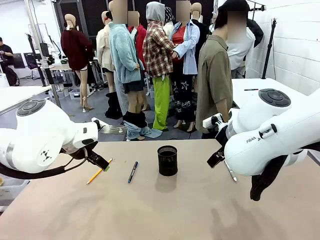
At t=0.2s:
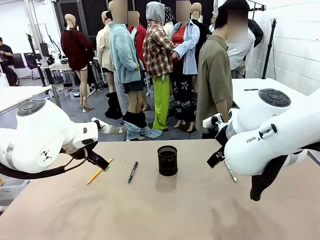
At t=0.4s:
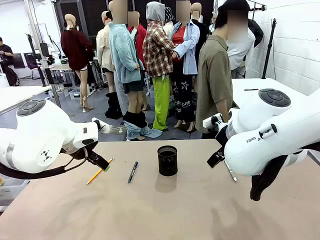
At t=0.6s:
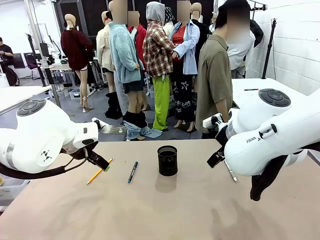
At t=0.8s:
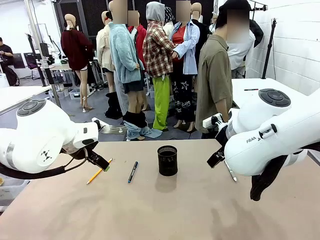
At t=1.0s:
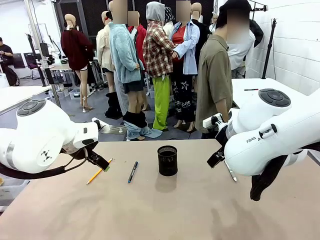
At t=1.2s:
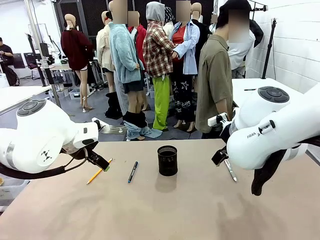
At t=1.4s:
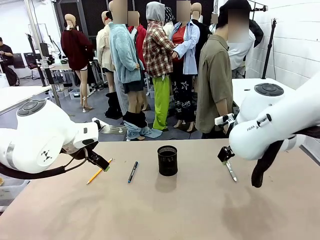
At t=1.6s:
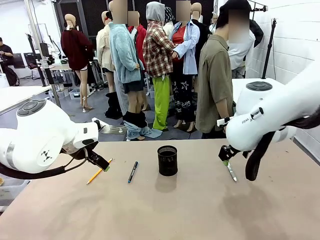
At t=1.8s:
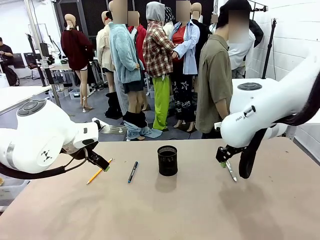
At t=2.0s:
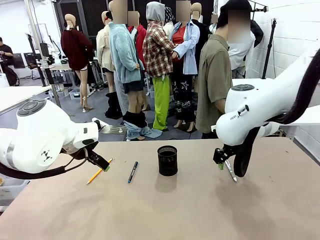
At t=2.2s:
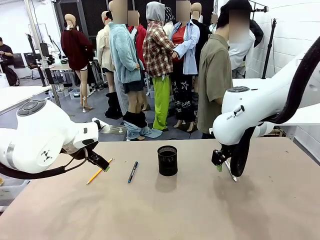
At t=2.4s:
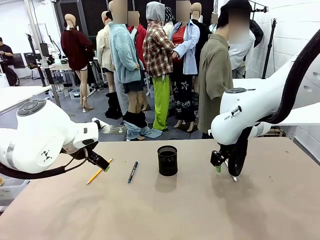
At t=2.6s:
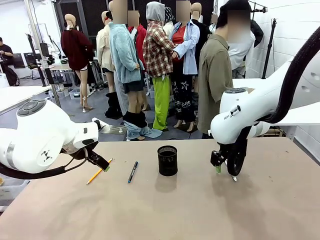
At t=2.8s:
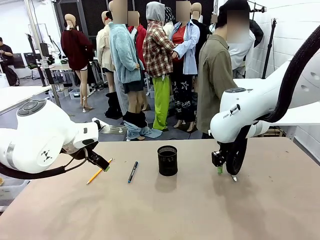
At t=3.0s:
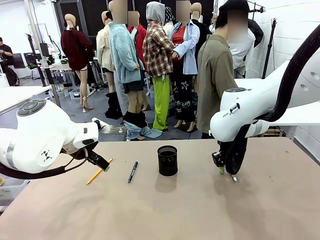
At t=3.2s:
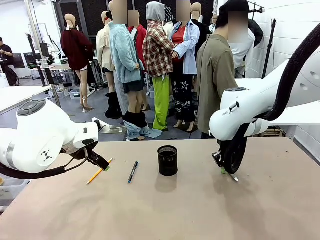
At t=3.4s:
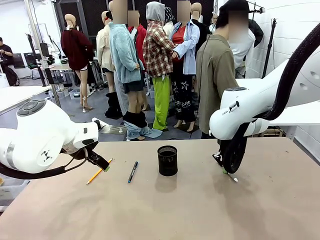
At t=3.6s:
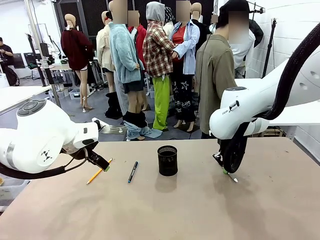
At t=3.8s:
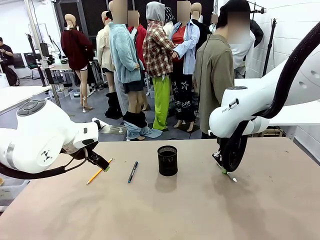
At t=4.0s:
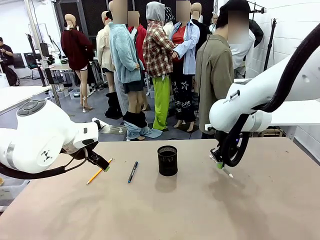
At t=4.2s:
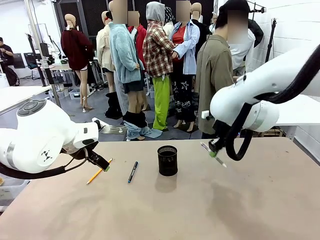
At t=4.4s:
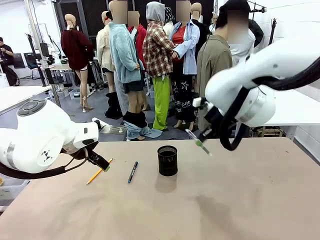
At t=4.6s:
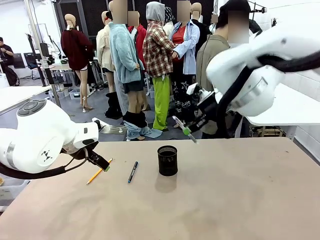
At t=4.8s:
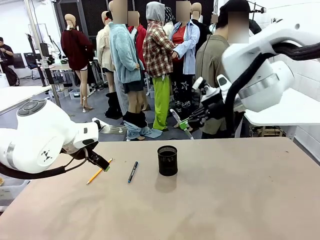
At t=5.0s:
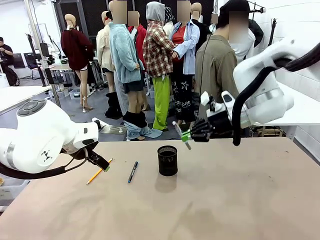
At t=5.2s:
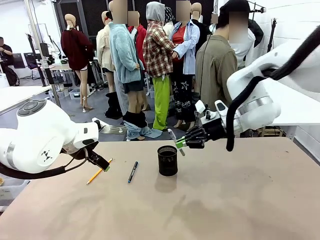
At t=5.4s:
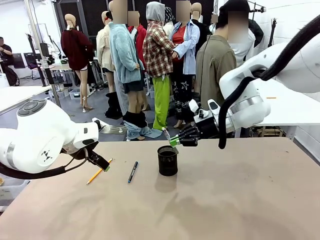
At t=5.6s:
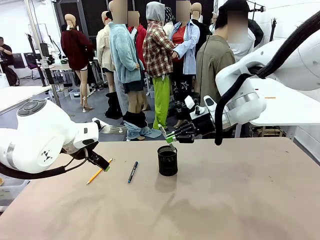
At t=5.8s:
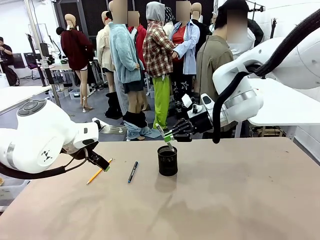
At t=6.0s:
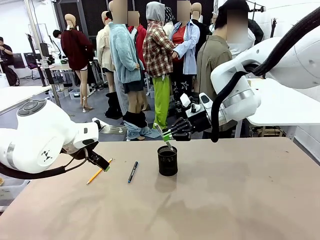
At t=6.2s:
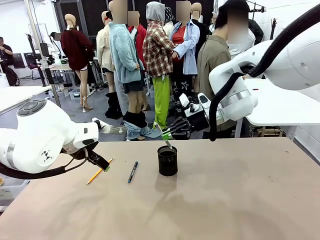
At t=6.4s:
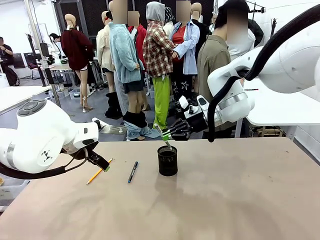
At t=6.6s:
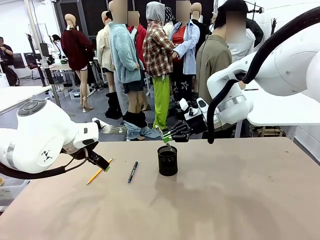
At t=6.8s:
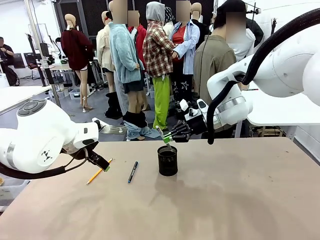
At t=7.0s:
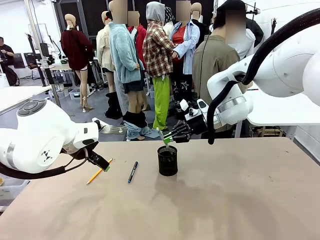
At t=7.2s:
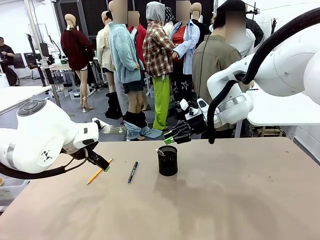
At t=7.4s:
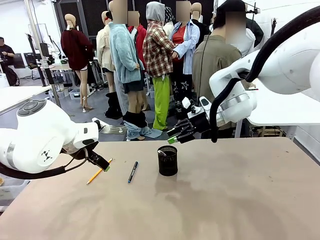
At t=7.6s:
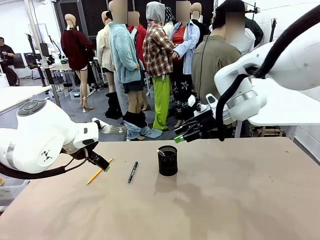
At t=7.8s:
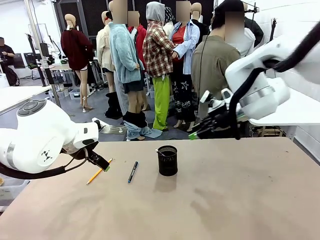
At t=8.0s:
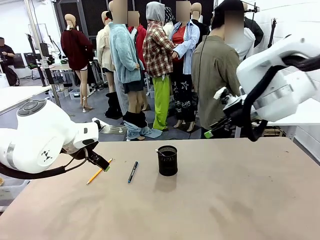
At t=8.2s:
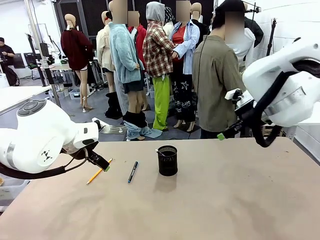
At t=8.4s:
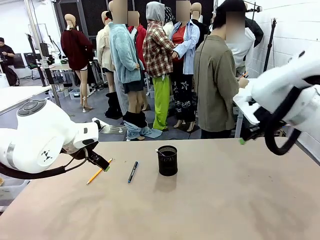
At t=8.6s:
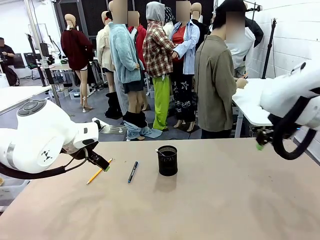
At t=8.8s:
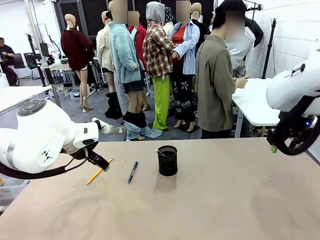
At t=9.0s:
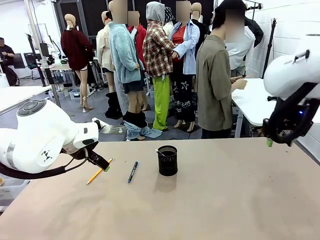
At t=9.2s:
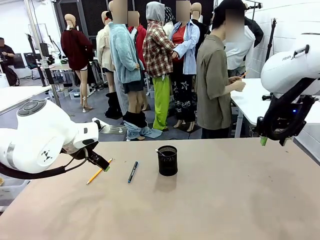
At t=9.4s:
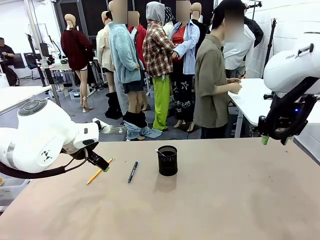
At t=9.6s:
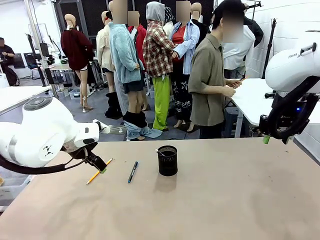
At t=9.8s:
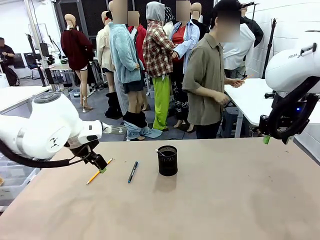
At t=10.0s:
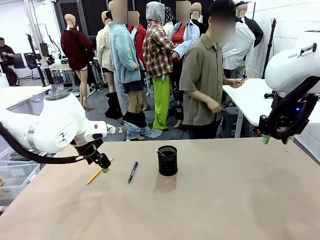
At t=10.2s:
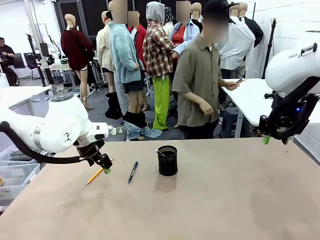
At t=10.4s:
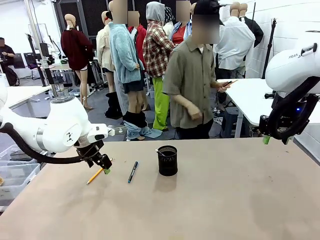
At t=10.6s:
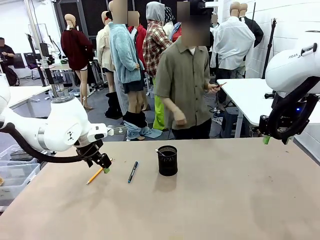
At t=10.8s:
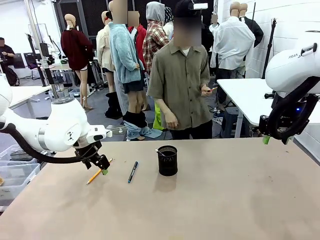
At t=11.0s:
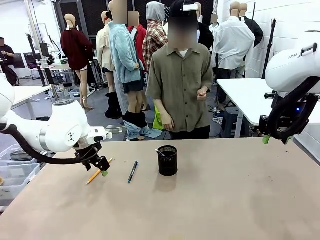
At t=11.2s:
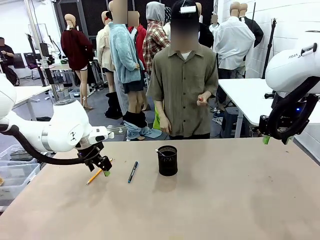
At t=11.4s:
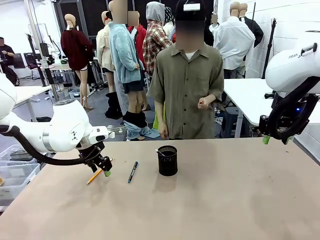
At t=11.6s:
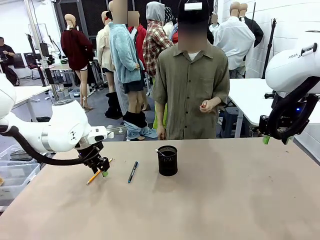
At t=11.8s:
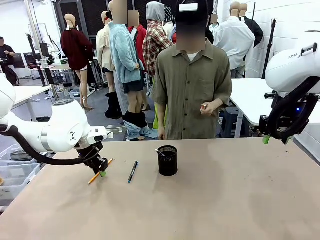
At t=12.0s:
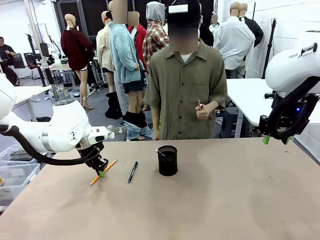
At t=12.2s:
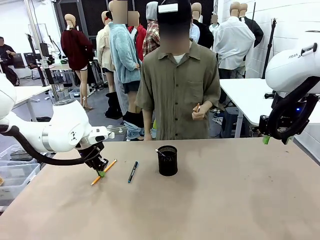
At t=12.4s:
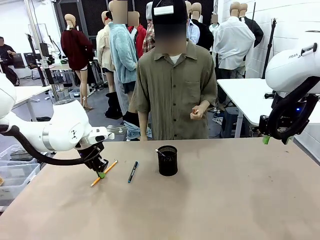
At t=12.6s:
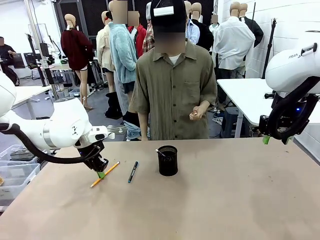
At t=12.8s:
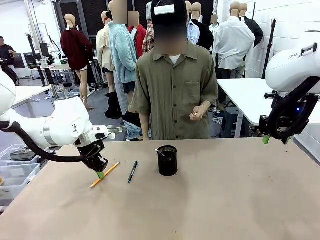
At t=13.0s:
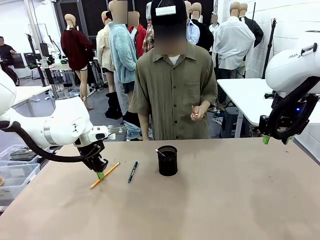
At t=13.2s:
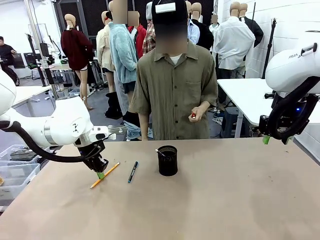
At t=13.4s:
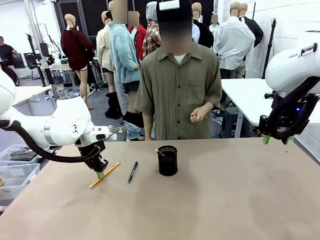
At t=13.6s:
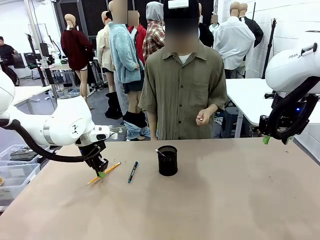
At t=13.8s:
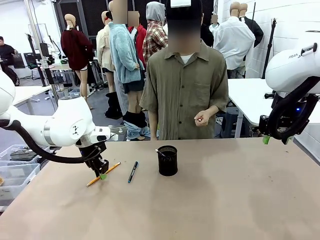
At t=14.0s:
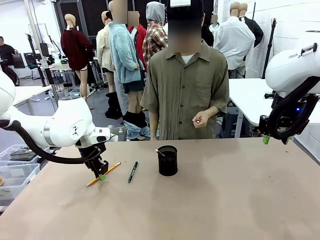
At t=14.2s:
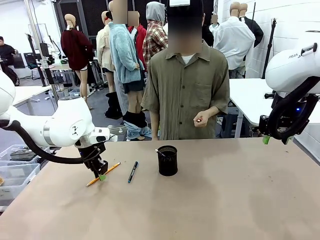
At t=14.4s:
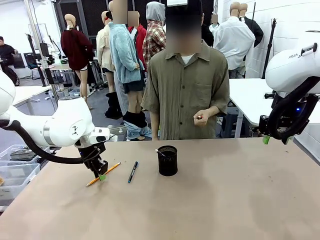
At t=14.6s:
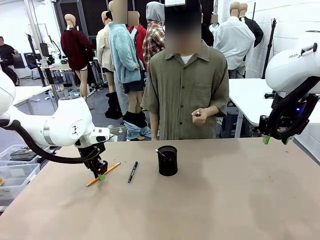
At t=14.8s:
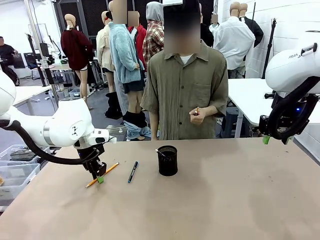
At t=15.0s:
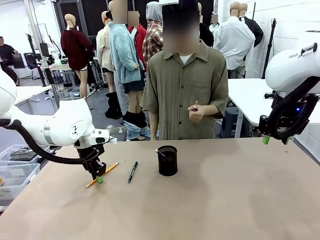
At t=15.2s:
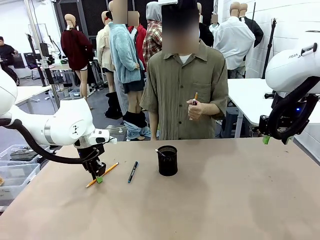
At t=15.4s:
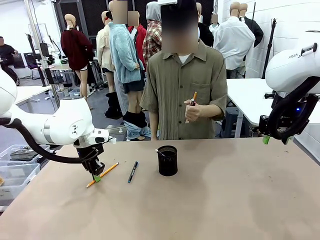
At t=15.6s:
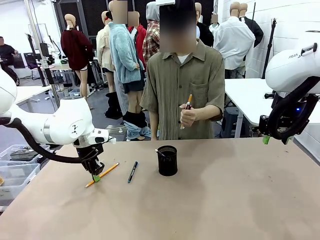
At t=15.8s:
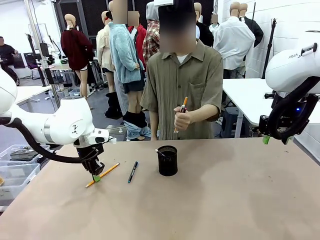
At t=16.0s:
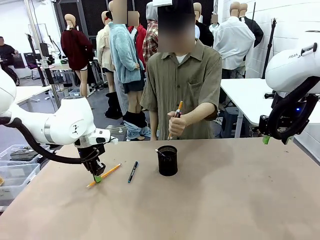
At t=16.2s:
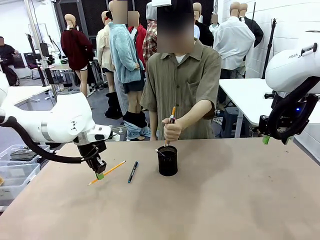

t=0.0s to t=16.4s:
Task: Place the pens into the pen holder.
Robot: Pick up a writing instrument from the table and place it into the Pen holder.
Person: Pick up all writing instruments from the Human table.
